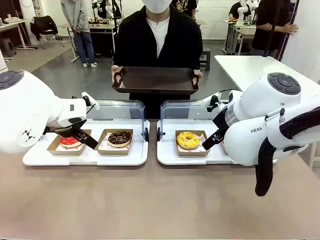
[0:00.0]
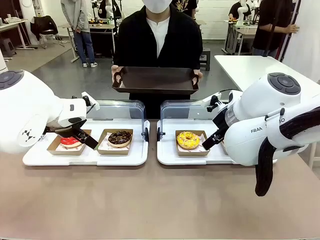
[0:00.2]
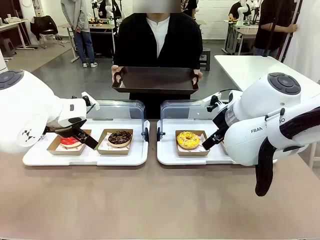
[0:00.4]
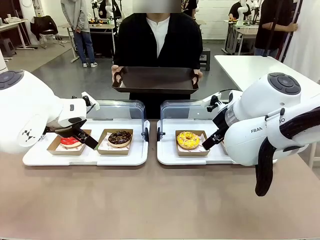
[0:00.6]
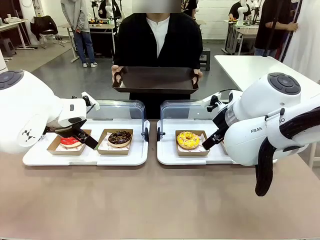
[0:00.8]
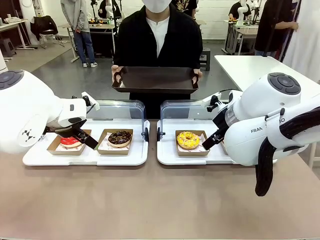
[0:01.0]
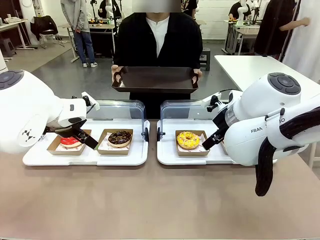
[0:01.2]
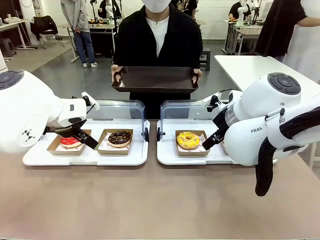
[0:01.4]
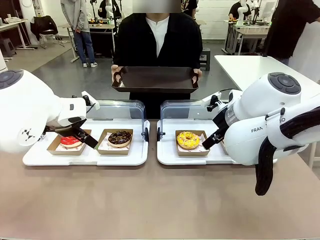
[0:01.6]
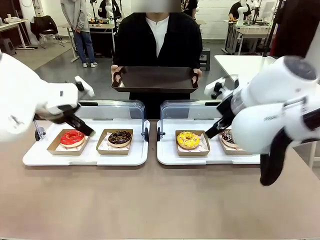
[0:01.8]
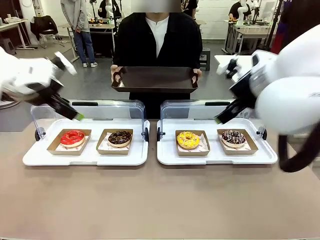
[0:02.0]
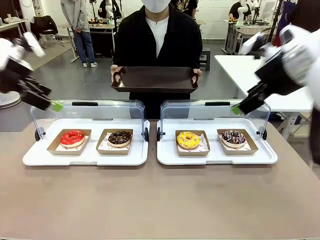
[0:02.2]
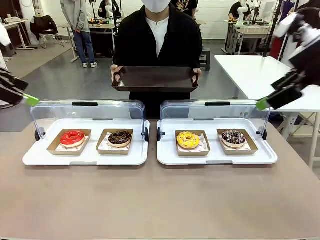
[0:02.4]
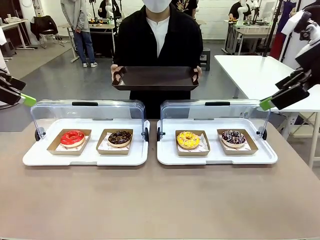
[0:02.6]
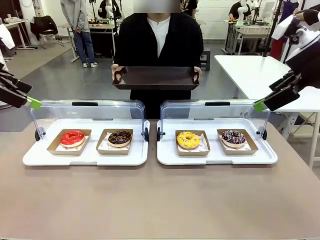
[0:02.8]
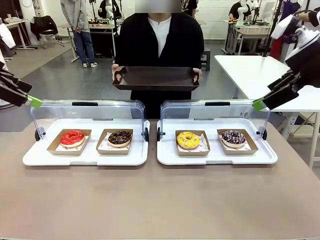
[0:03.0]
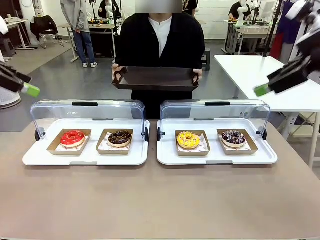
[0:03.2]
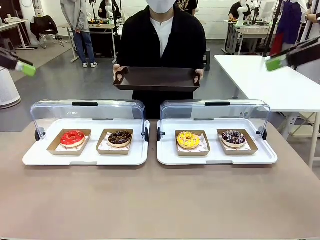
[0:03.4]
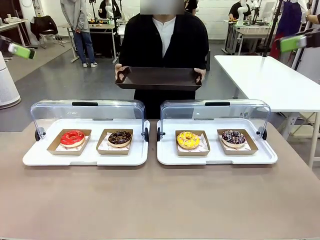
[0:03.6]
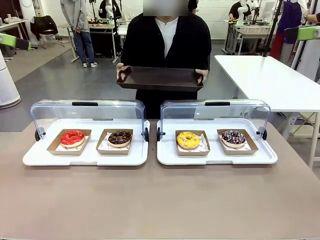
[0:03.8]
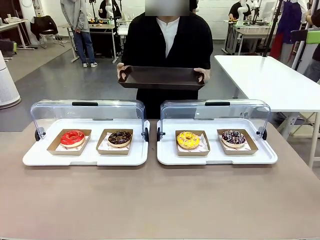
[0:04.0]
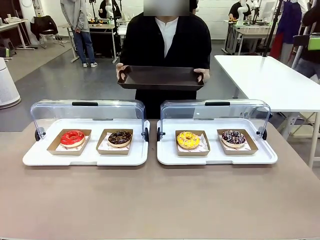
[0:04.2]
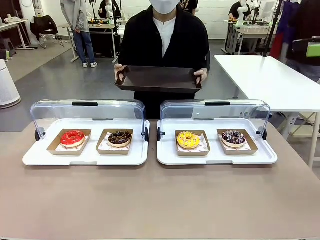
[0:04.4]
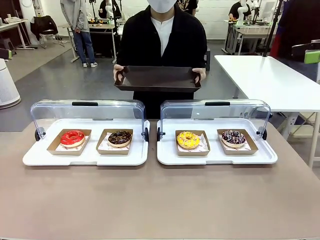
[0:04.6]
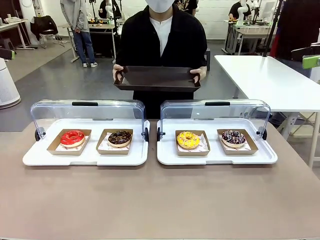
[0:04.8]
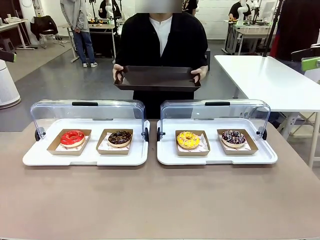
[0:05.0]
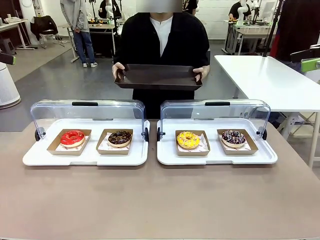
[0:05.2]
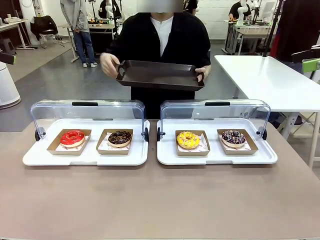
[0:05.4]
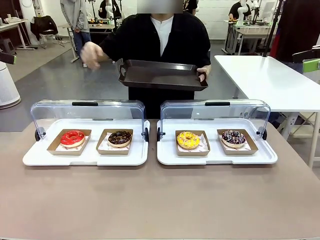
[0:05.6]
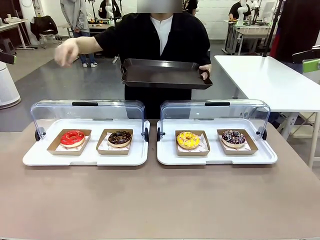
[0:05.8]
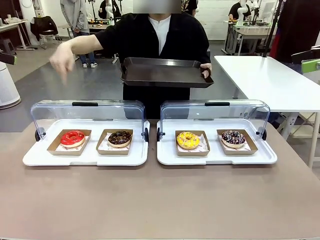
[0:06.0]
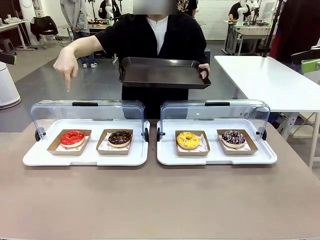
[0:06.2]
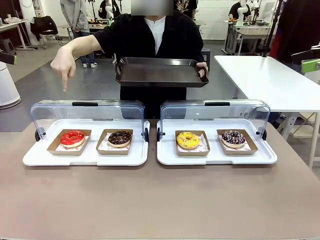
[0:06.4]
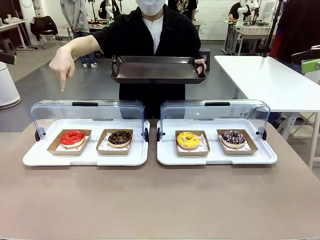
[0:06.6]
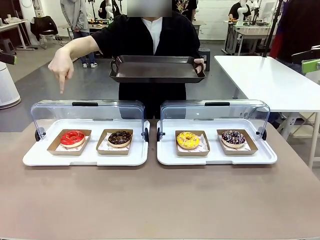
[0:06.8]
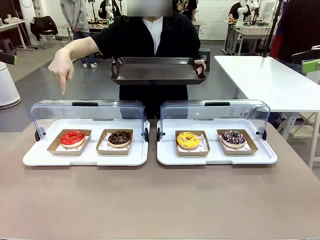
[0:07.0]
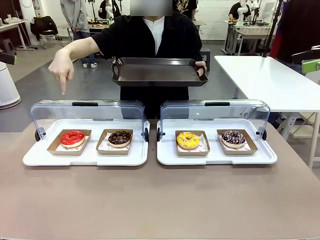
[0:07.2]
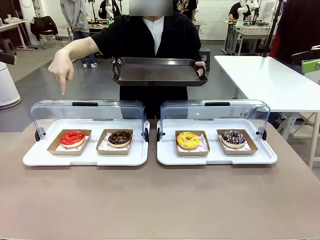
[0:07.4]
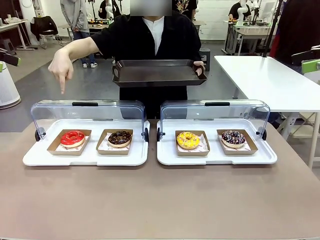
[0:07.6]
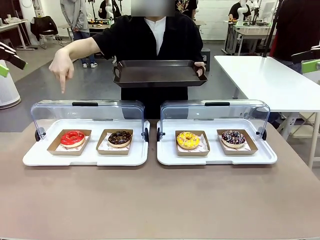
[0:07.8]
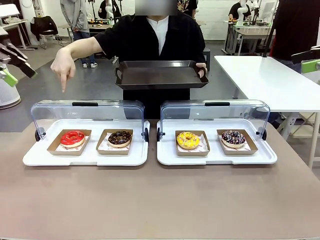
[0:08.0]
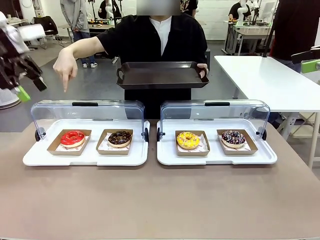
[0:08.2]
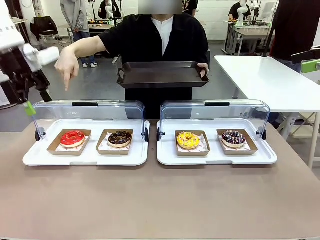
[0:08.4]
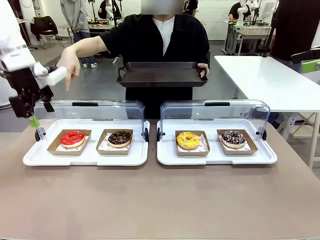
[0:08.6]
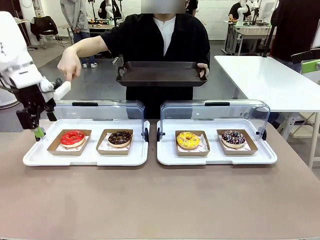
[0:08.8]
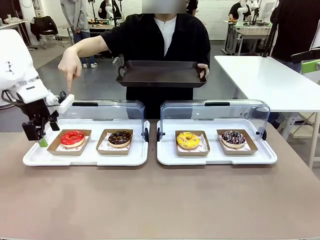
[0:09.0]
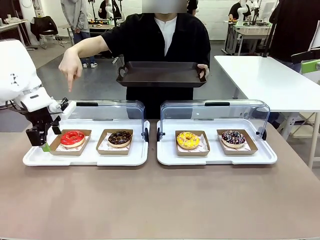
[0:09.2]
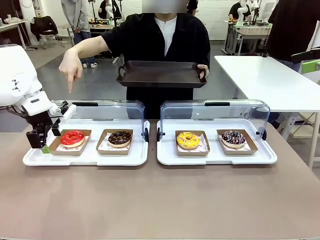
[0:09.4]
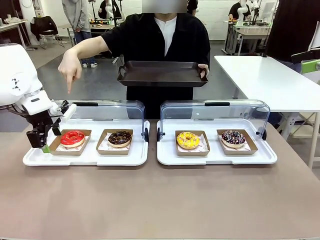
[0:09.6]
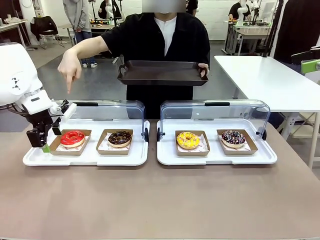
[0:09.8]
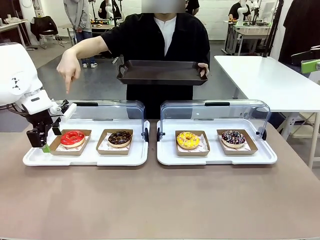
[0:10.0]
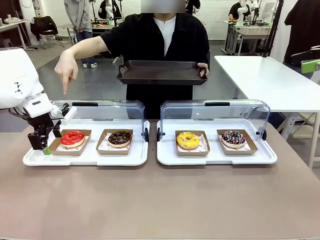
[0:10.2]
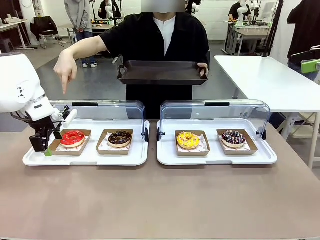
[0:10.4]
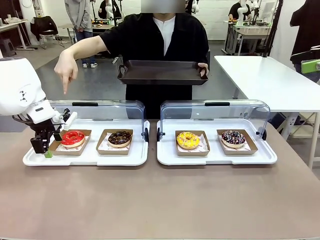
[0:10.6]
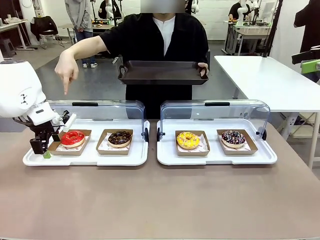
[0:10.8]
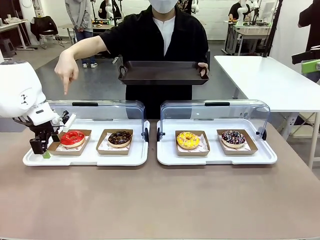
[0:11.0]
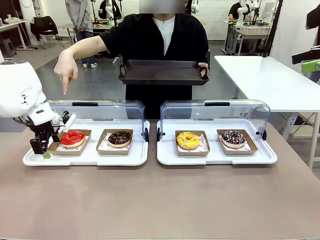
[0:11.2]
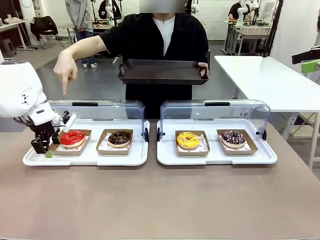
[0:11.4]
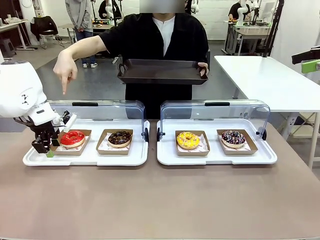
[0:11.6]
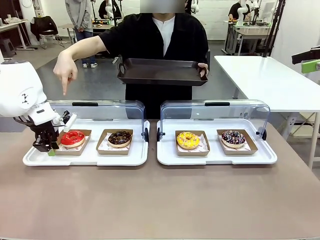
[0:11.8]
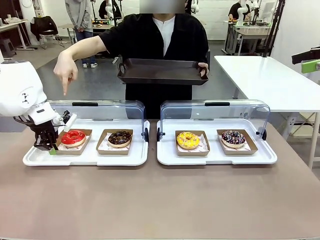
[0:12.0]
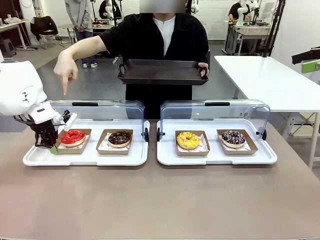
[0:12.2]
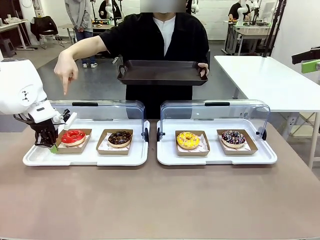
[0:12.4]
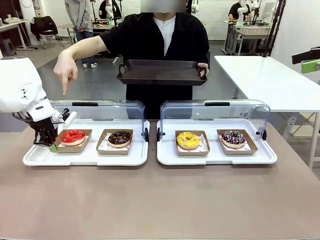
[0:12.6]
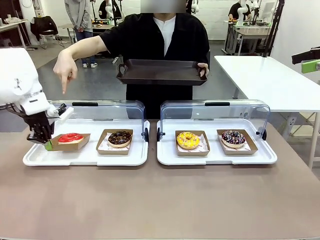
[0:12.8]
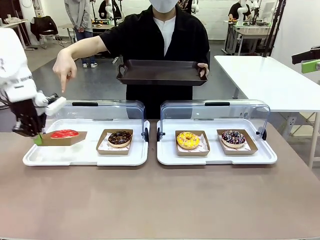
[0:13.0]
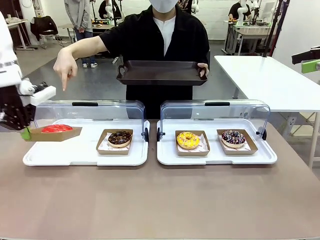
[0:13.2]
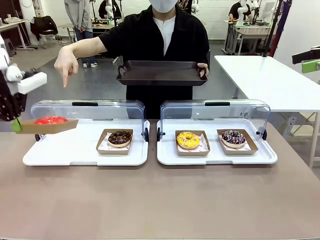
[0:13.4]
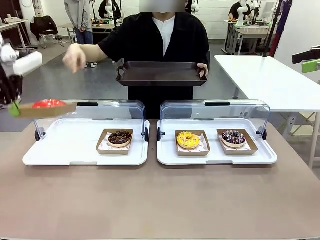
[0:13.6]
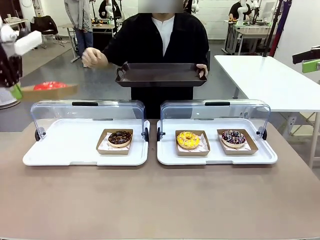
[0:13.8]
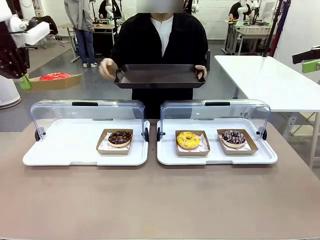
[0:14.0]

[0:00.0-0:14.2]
Task: Provide the desired donut to the person.
Robot: Pick up and lift the Paper togo box containing the Donut pointed at by the person.
Person: Point to one donut. Lift the tray onto the Roll-Top Bakery Case.

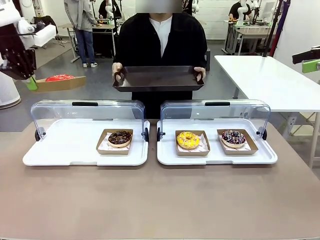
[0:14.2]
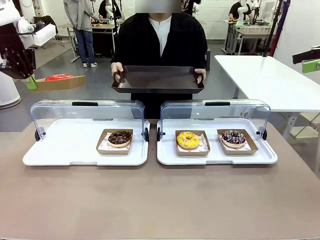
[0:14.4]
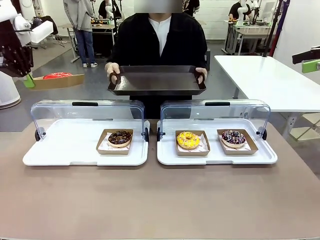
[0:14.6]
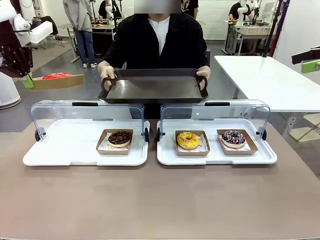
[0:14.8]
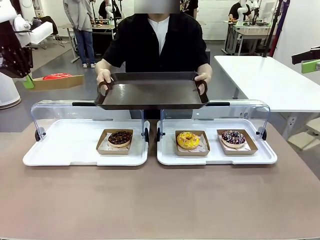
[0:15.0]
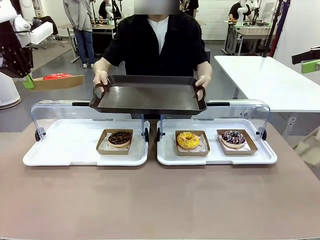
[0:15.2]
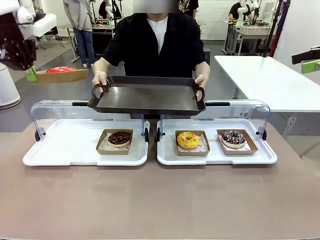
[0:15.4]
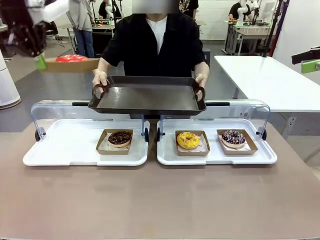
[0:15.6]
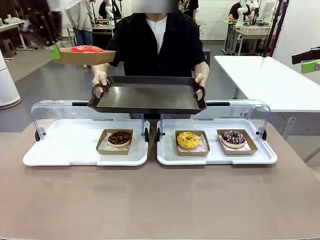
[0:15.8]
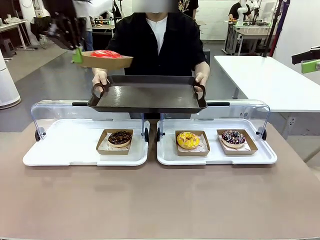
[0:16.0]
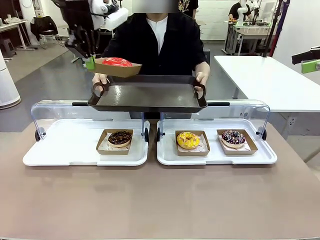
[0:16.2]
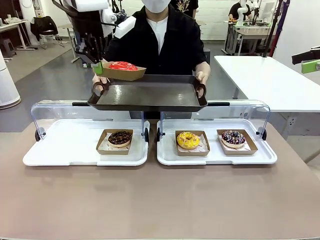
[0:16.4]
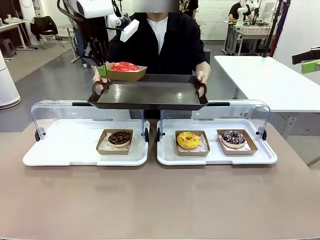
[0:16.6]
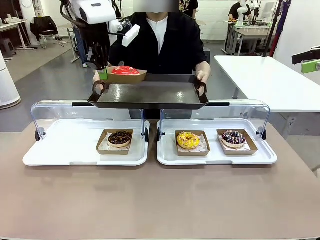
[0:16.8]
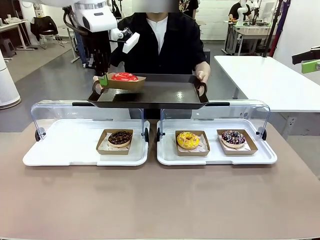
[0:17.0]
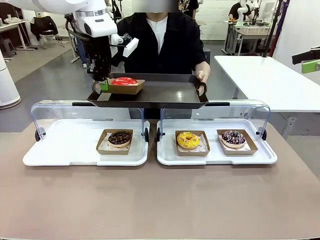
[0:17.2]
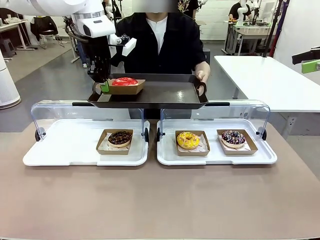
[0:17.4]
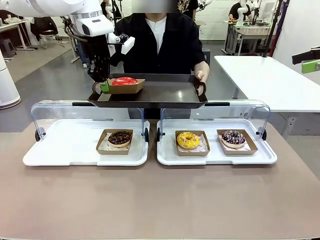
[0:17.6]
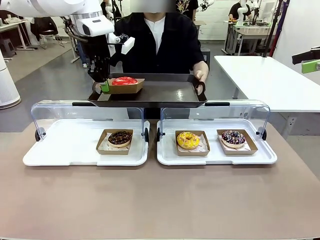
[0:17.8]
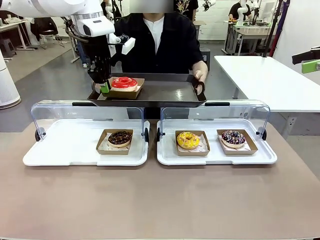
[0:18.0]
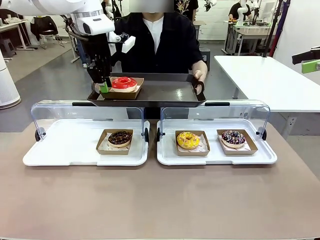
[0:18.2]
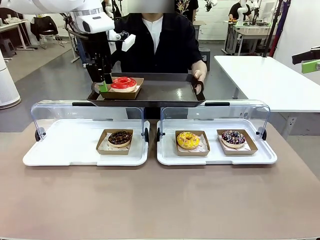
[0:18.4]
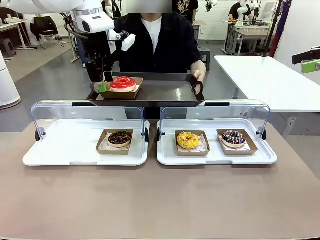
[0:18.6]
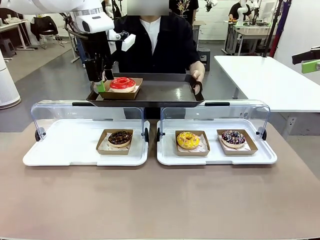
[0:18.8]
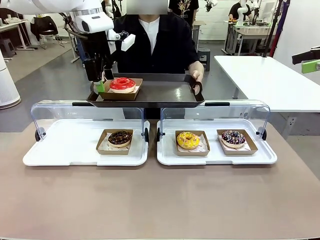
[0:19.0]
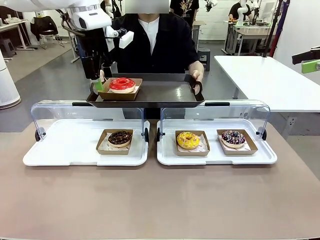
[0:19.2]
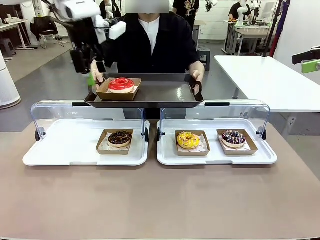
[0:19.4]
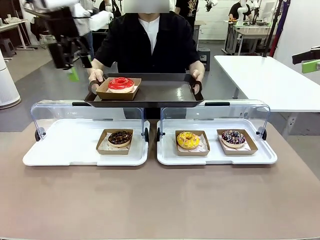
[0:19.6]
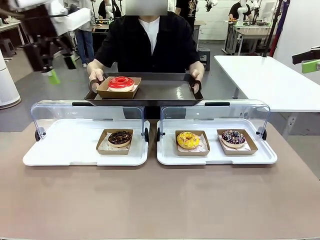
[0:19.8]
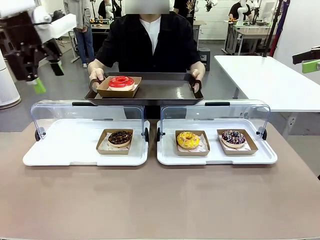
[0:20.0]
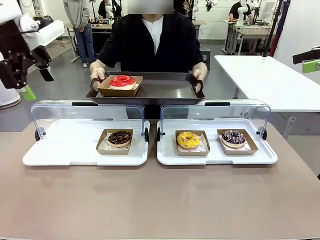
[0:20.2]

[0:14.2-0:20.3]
Robot: Place the picked Paper togo box onto the Handle tray extended by the person.
